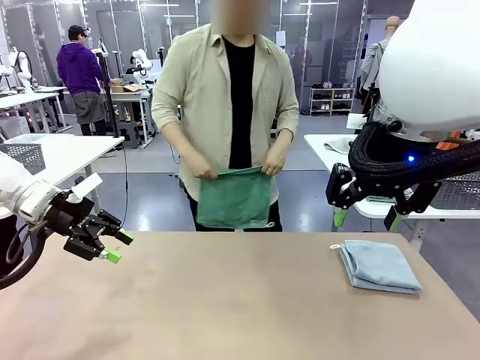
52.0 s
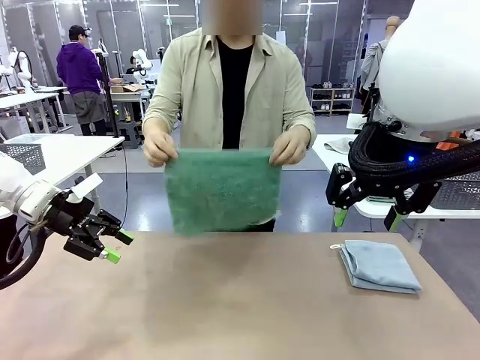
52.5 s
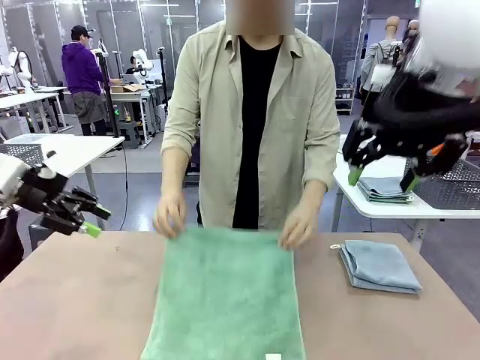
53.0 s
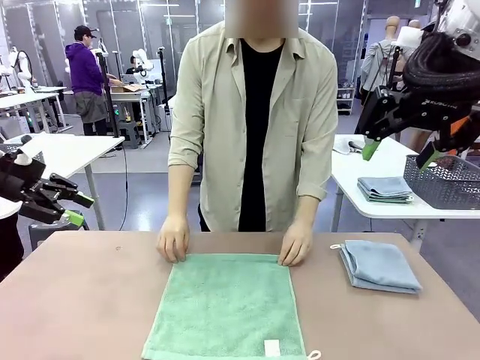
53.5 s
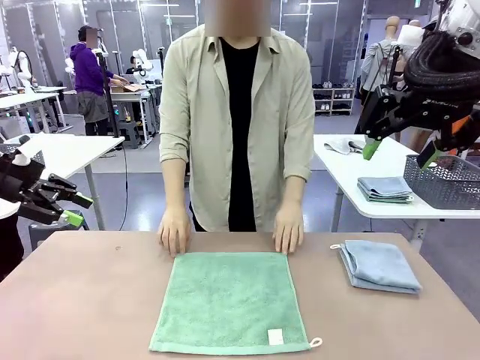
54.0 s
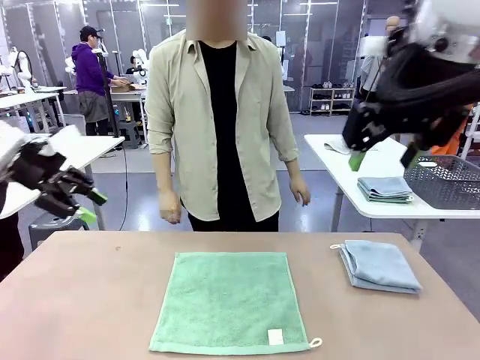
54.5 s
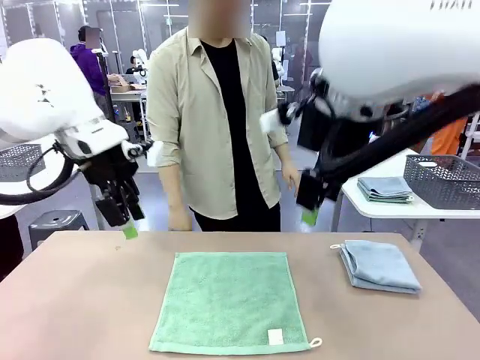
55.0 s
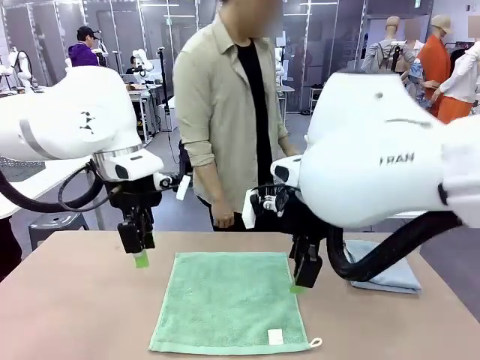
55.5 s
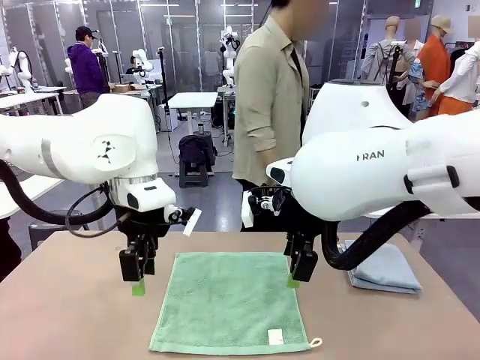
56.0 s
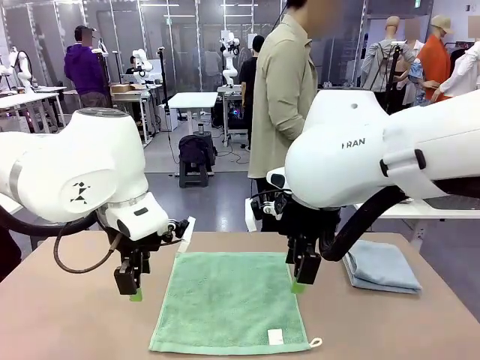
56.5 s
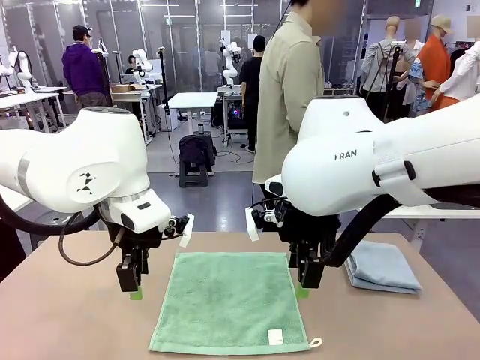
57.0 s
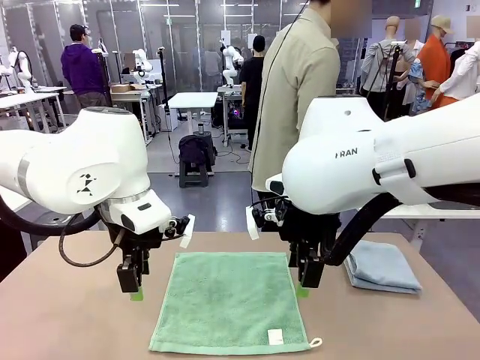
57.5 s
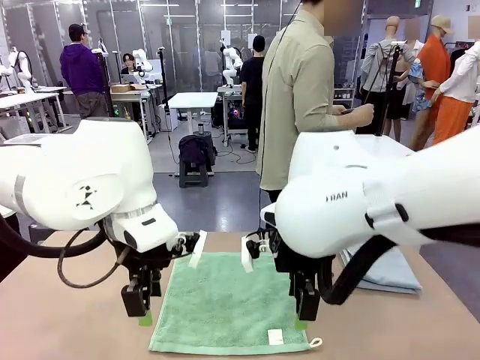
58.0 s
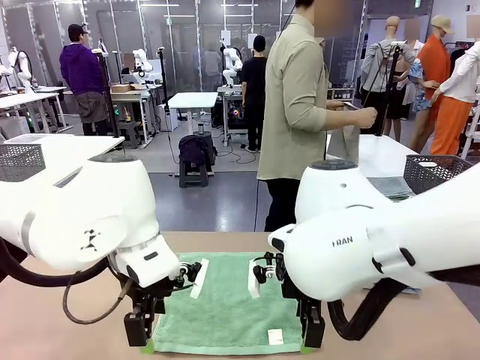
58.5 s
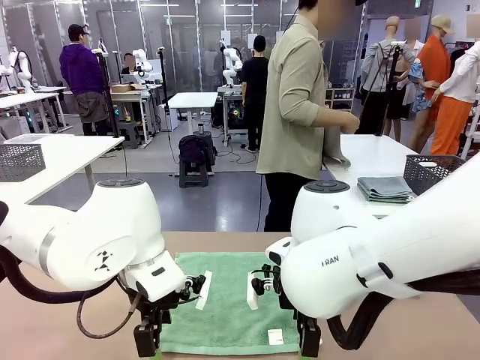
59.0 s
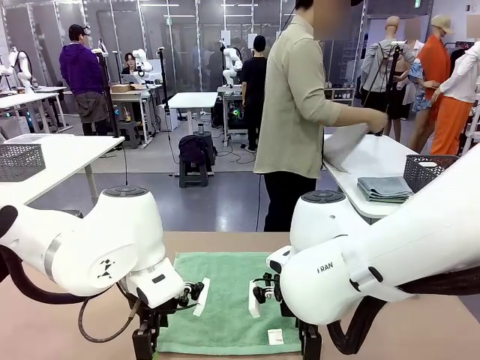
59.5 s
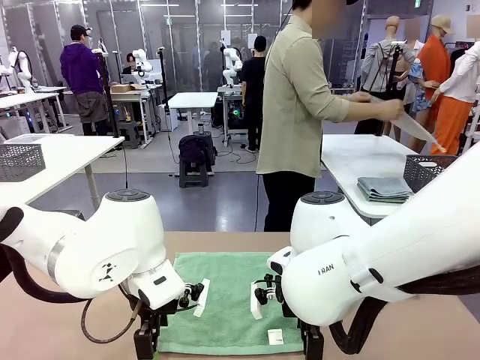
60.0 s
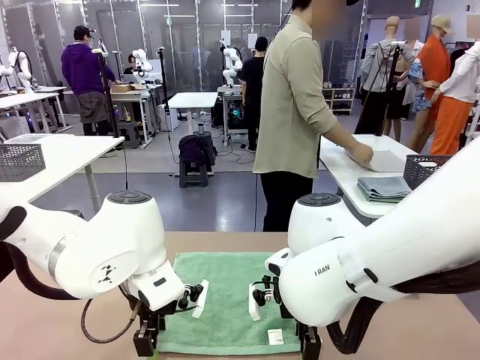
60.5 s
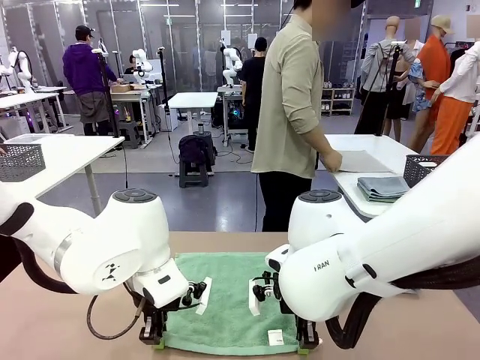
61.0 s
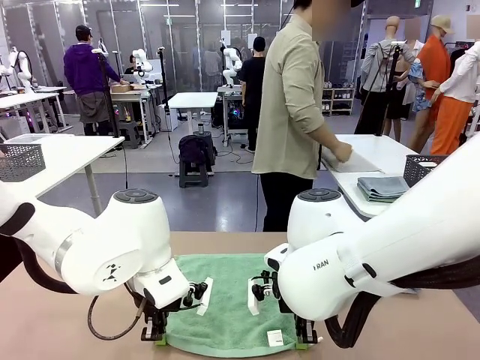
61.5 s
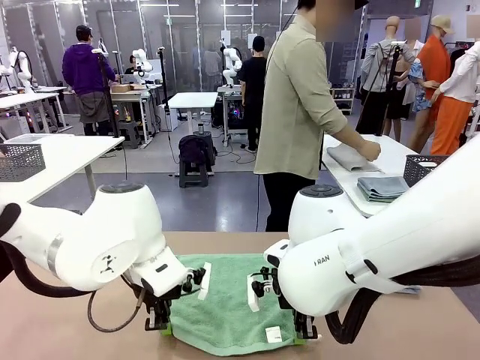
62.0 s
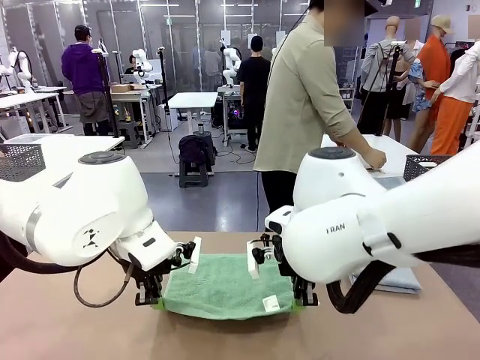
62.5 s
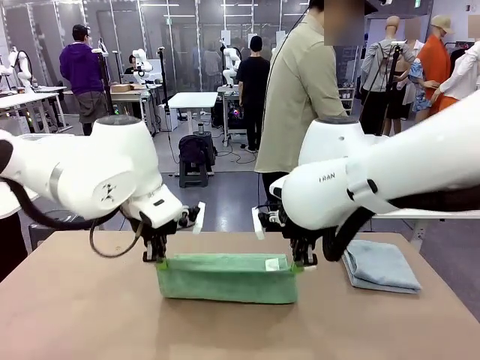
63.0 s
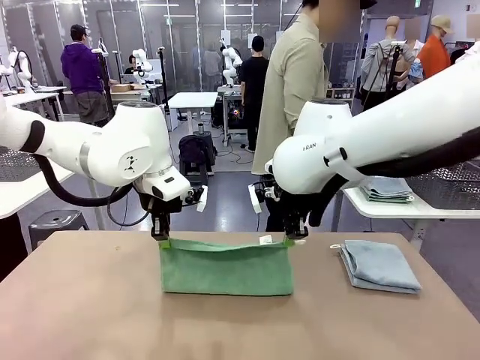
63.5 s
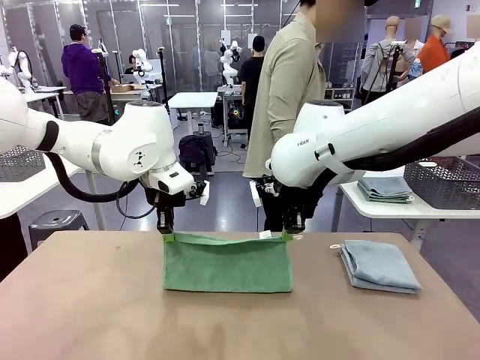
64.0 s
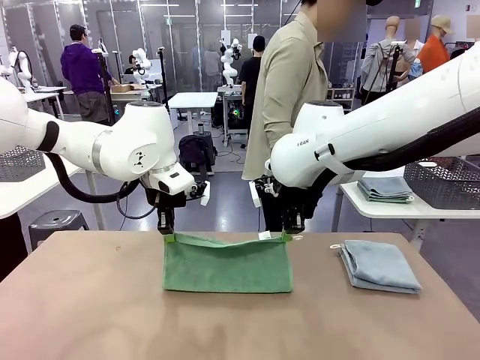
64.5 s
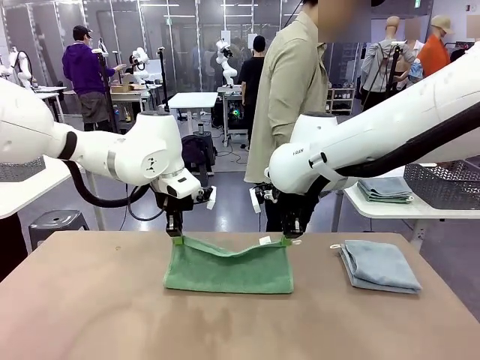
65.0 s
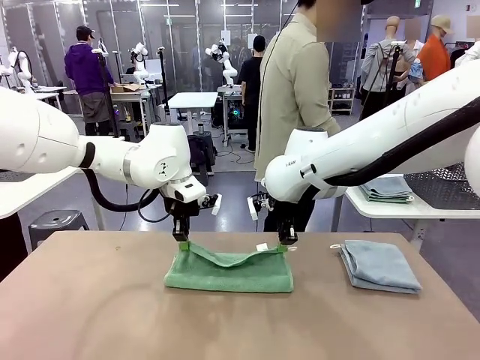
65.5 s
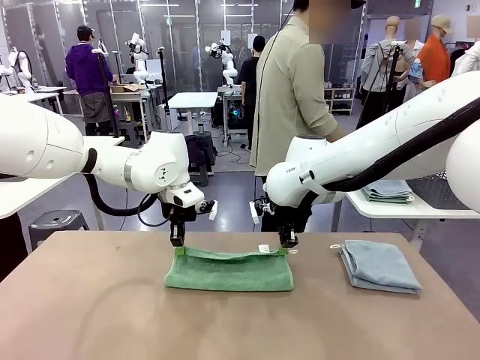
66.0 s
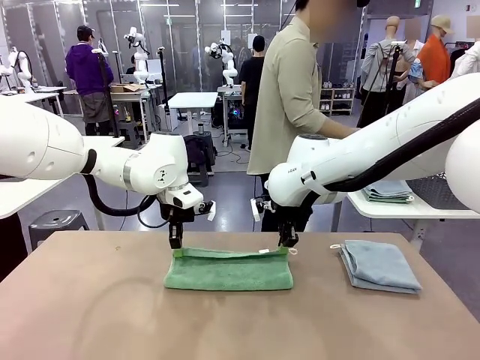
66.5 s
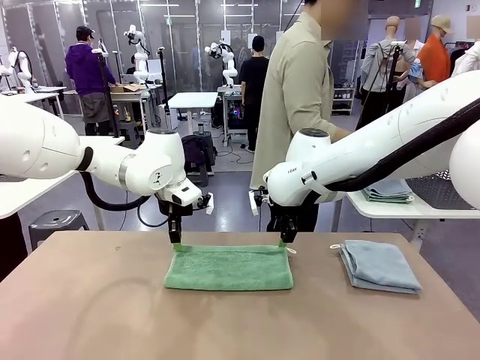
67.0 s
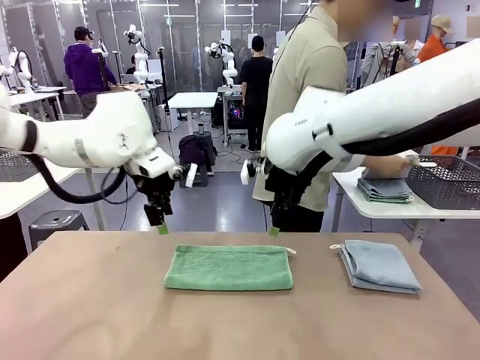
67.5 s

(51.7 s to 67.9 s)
Task: Fold the towels and place them in the basket.
Robot: When a person lays out a Towel with hook on the table, fold it in half twice.
Person: Pick up one towel from the left side of the human table and spread it out at the center of the robot table. Pick up one towel from the left side of the human table, fold it in half twice, and stack it on the right side of the table.

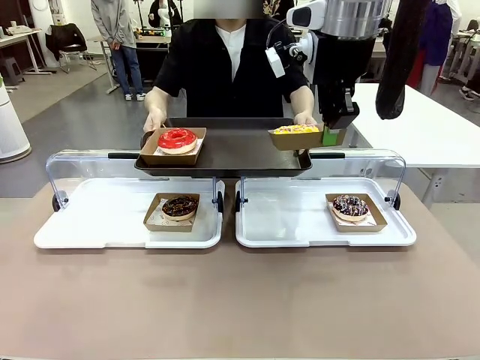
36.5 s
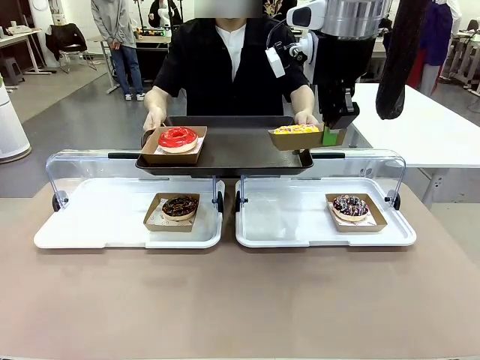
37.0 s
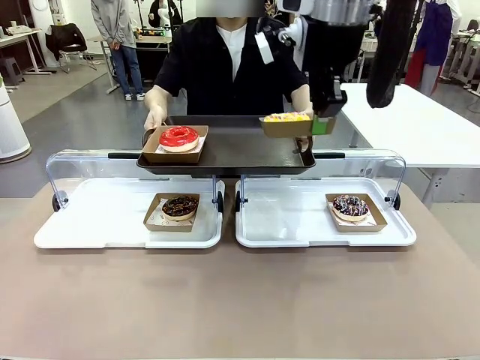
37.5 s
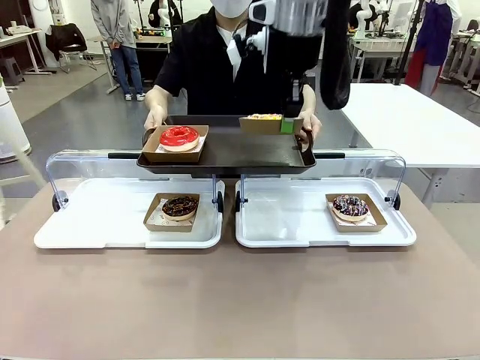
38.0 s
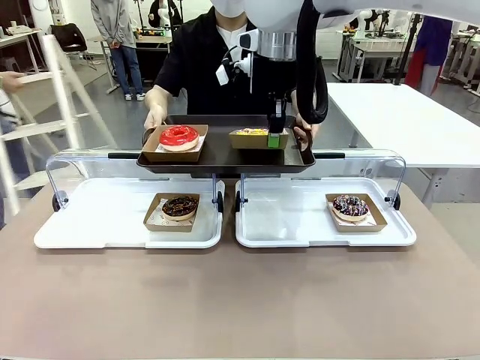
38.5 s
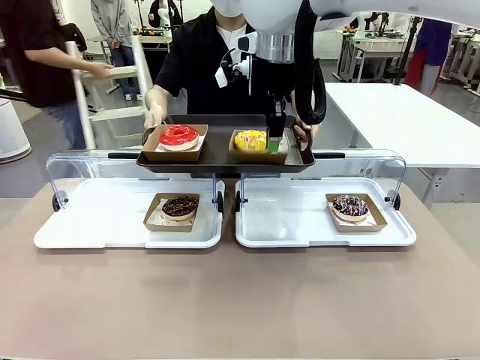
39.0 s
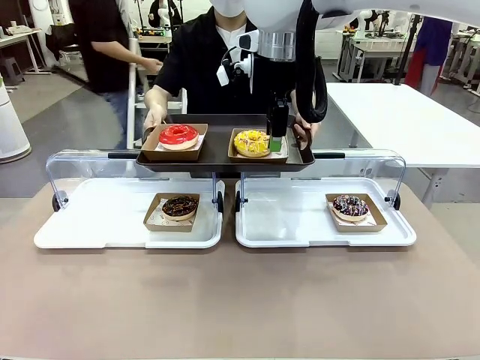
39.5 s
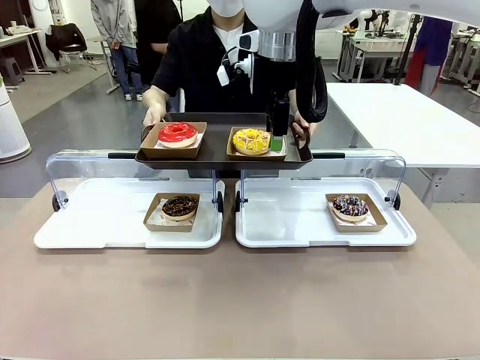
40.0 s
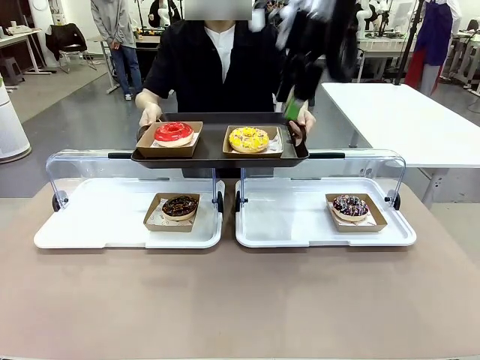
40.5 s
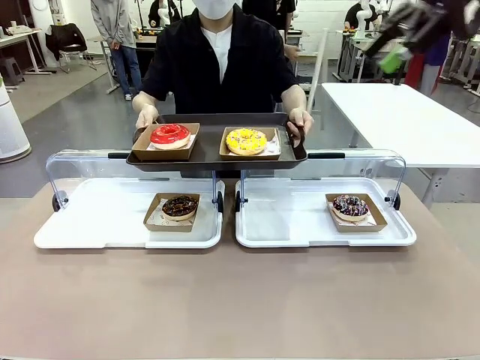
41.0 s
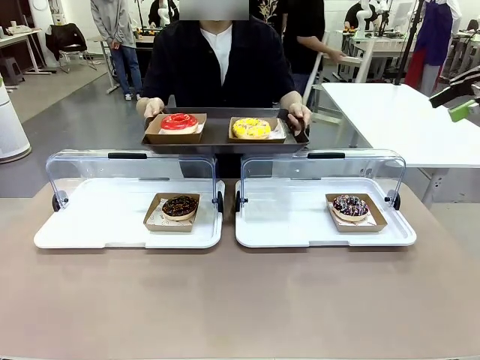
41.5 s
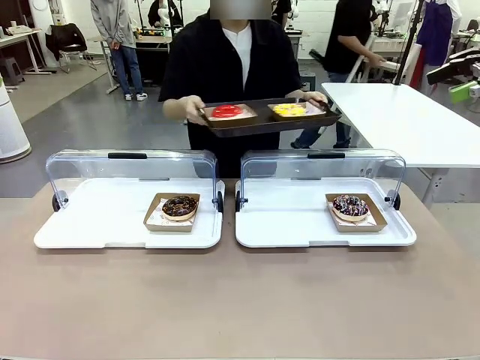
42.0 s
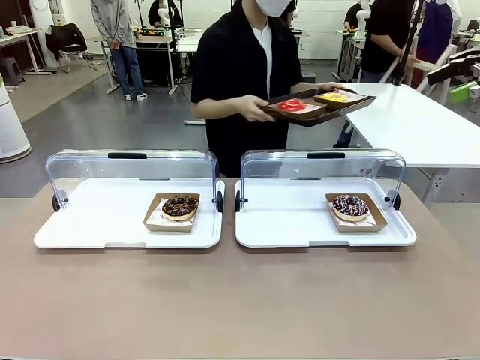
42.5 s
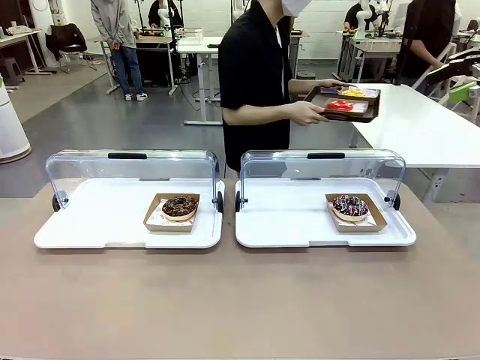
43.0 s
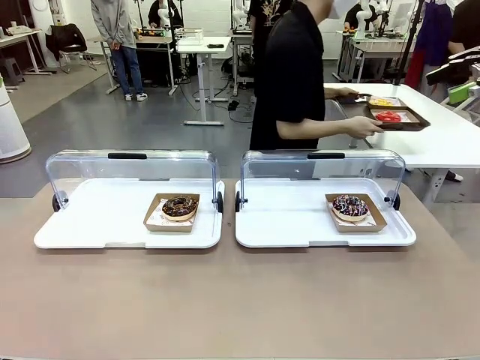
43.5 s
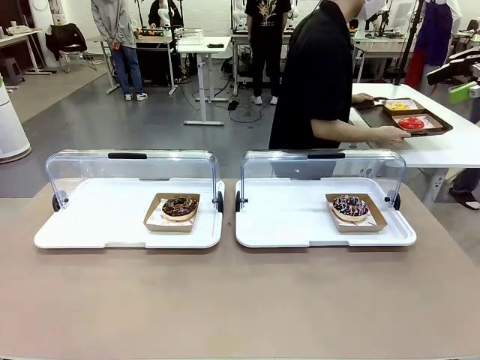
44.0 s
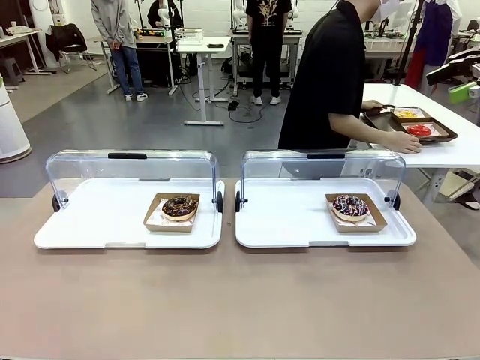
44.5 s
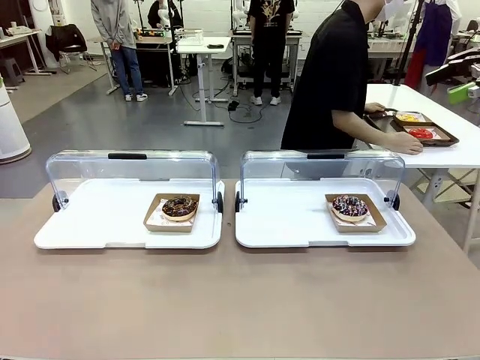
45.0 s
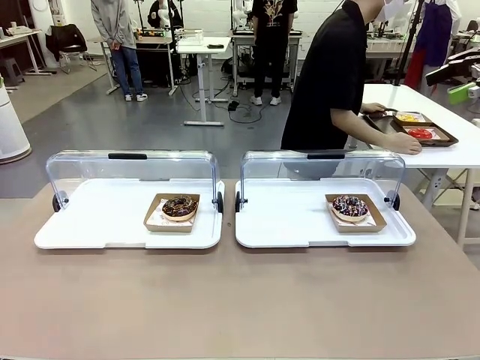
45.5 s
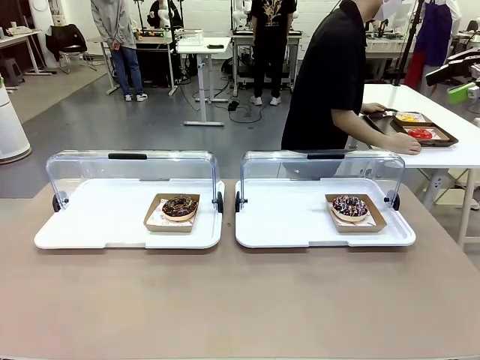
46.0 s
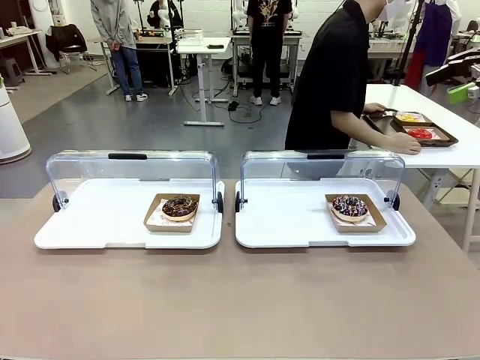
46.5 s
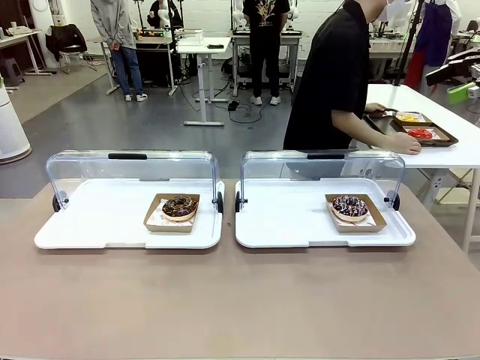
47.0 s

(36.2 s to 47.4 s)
Task: Provide the desired donut to the person.
Robot: Place the picked Paper togo box onto the Handle tray extended by the person.
Person: Place the tray in the middle of the human table.
